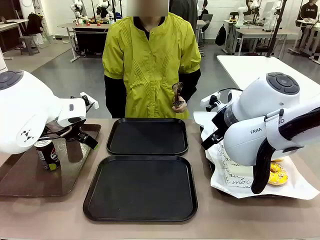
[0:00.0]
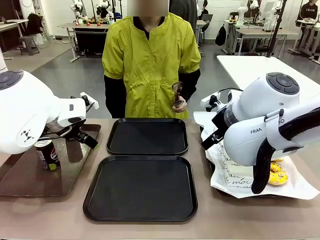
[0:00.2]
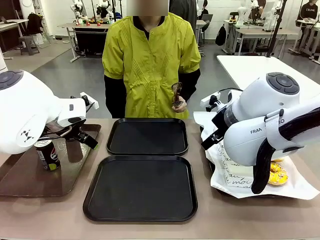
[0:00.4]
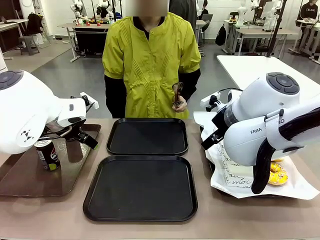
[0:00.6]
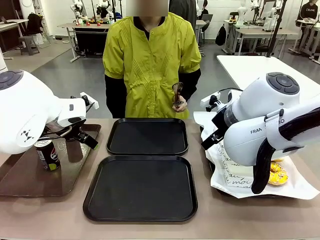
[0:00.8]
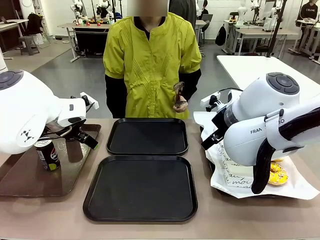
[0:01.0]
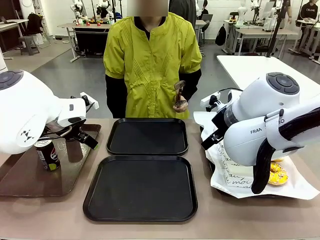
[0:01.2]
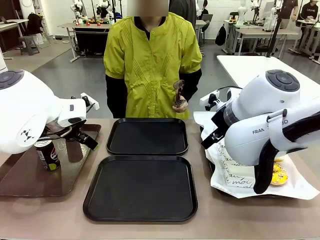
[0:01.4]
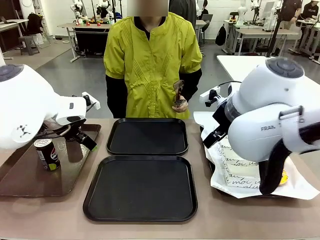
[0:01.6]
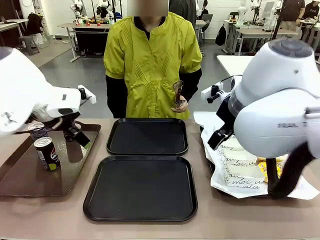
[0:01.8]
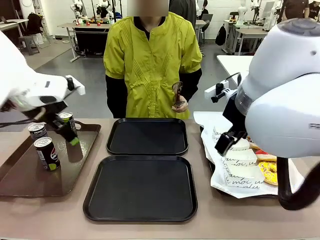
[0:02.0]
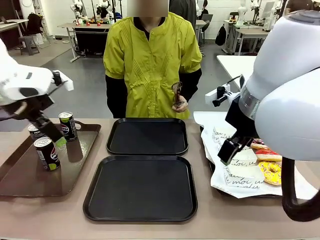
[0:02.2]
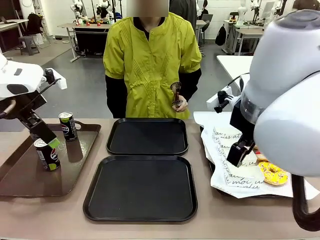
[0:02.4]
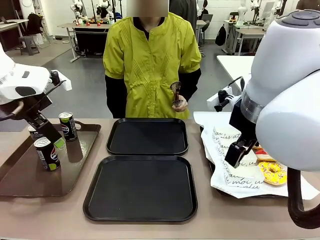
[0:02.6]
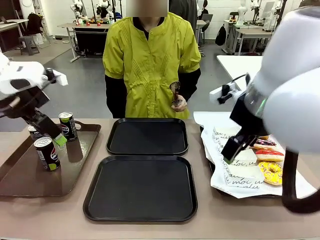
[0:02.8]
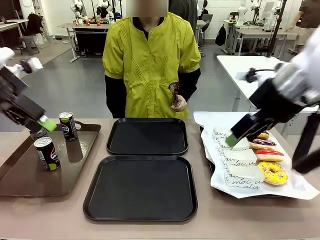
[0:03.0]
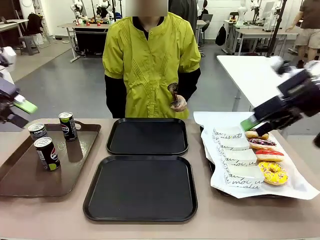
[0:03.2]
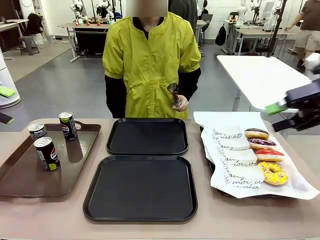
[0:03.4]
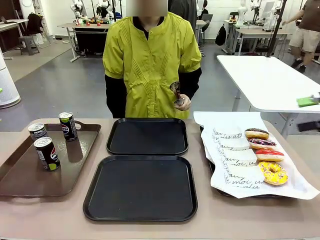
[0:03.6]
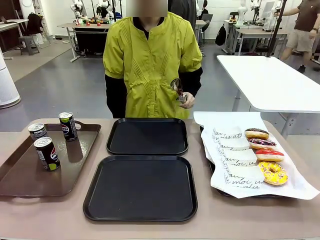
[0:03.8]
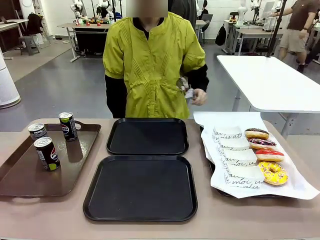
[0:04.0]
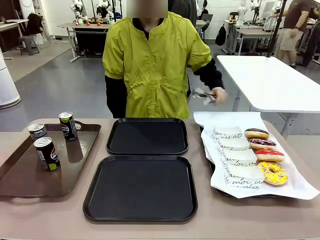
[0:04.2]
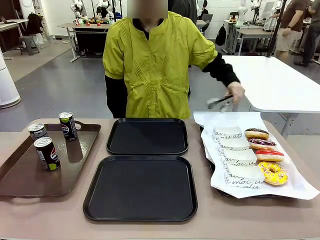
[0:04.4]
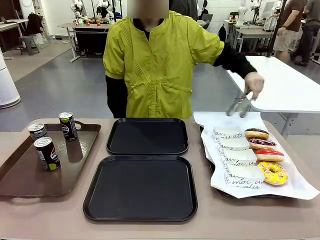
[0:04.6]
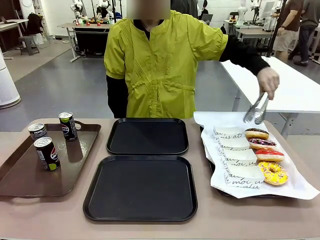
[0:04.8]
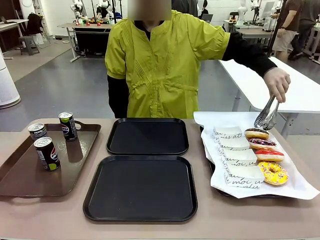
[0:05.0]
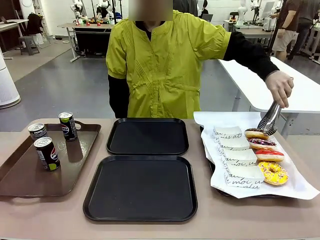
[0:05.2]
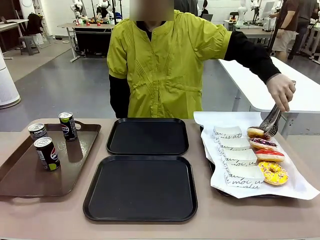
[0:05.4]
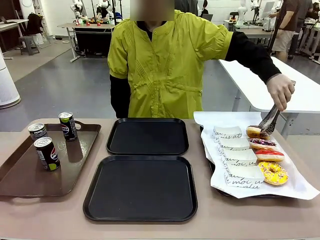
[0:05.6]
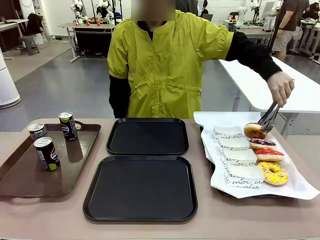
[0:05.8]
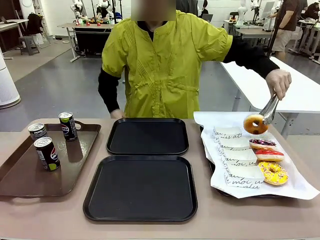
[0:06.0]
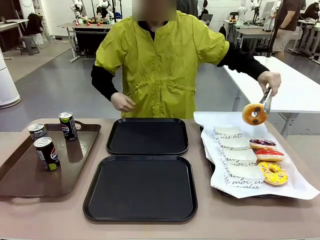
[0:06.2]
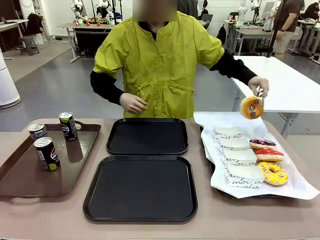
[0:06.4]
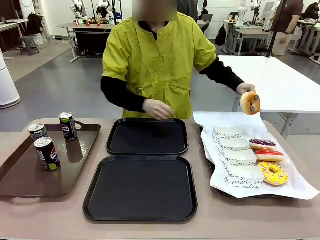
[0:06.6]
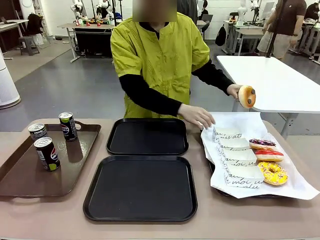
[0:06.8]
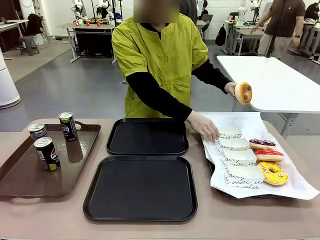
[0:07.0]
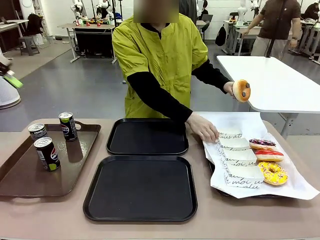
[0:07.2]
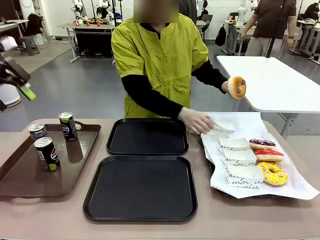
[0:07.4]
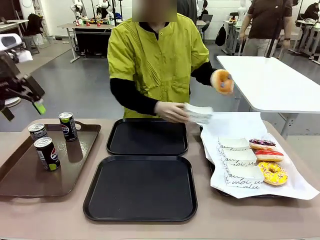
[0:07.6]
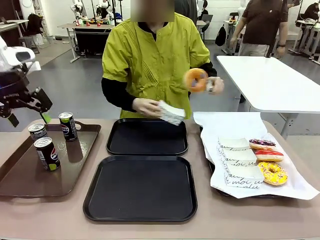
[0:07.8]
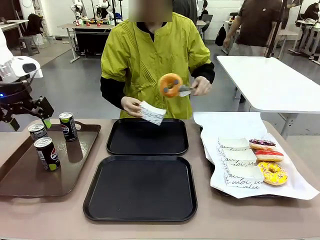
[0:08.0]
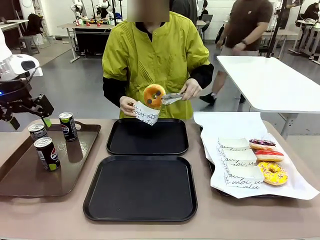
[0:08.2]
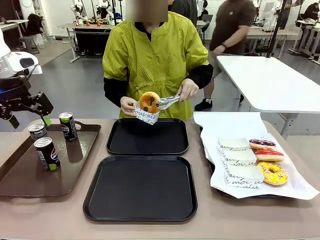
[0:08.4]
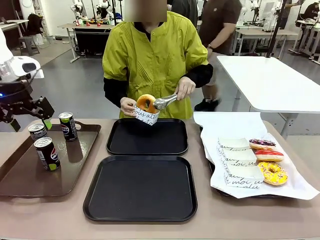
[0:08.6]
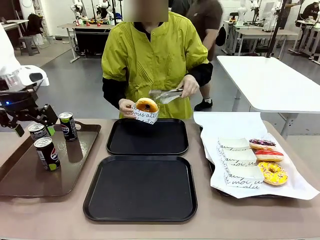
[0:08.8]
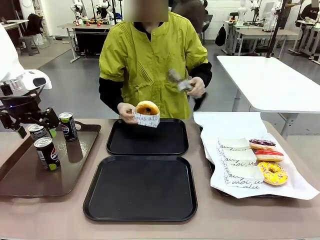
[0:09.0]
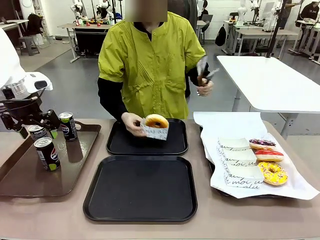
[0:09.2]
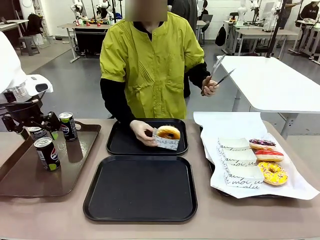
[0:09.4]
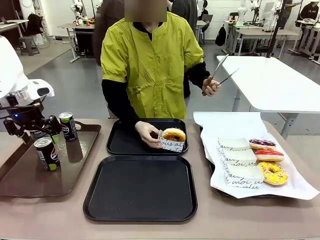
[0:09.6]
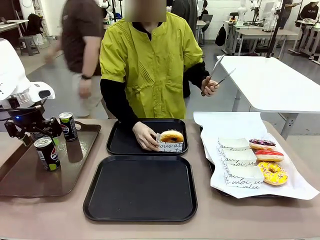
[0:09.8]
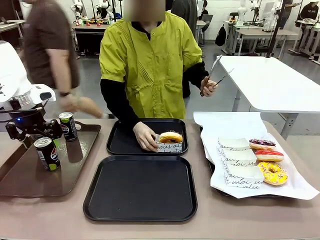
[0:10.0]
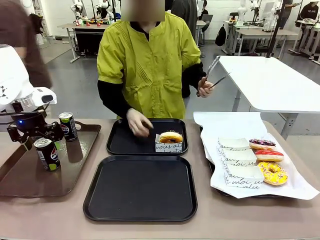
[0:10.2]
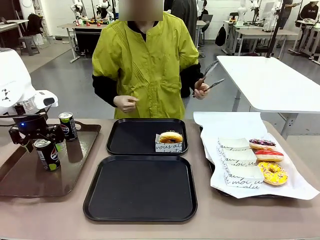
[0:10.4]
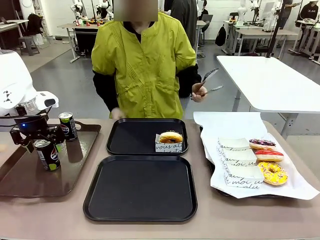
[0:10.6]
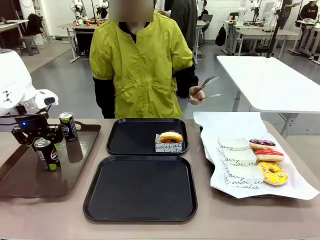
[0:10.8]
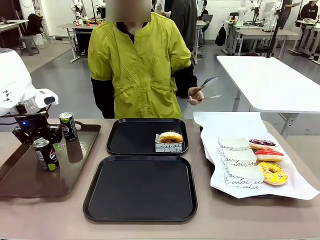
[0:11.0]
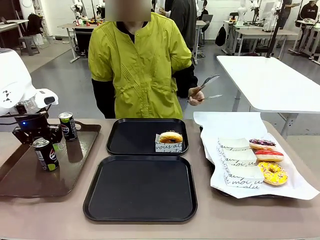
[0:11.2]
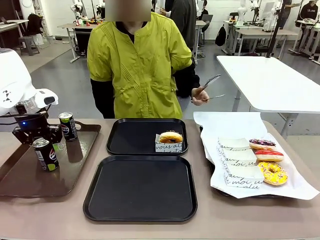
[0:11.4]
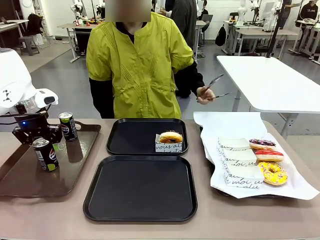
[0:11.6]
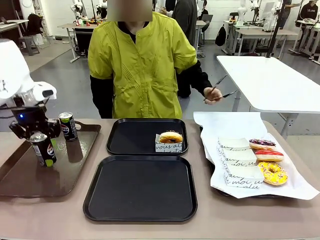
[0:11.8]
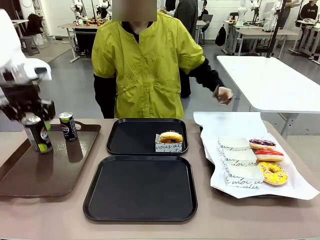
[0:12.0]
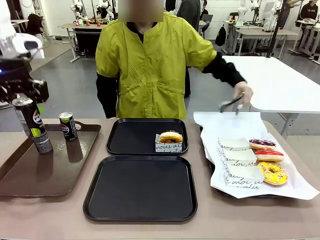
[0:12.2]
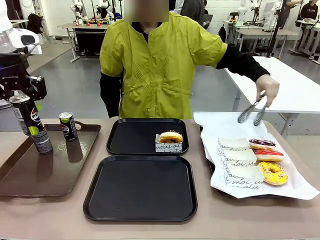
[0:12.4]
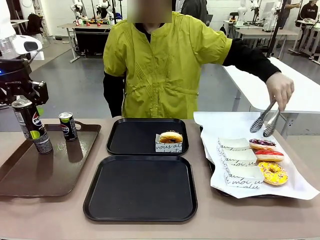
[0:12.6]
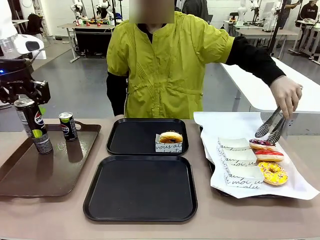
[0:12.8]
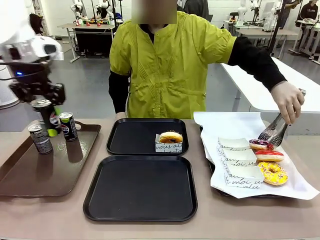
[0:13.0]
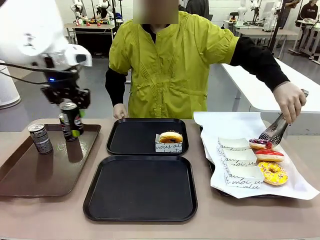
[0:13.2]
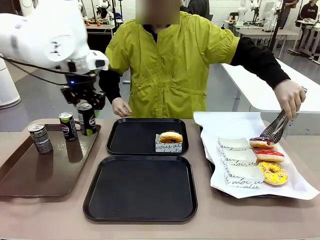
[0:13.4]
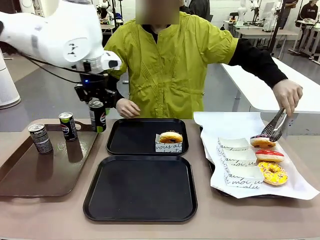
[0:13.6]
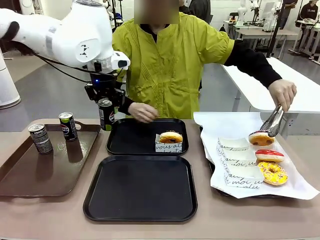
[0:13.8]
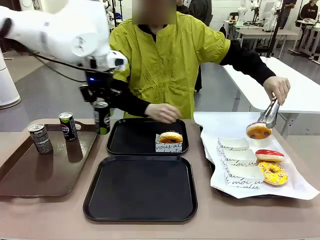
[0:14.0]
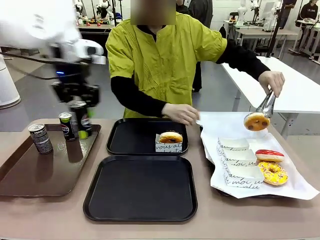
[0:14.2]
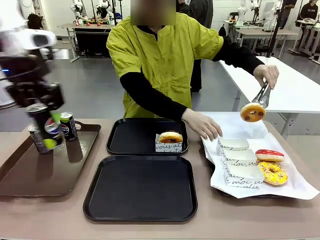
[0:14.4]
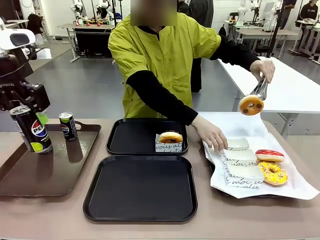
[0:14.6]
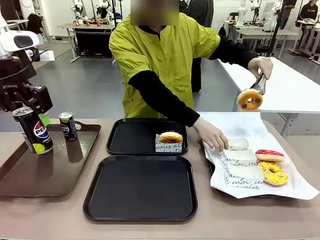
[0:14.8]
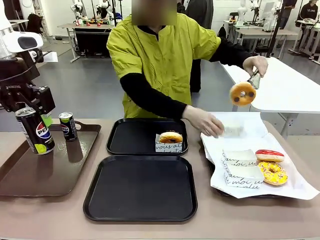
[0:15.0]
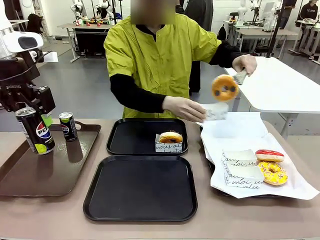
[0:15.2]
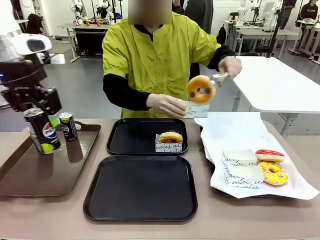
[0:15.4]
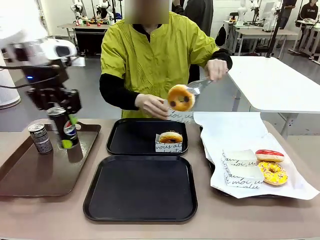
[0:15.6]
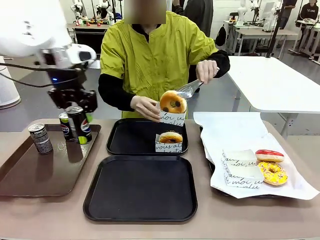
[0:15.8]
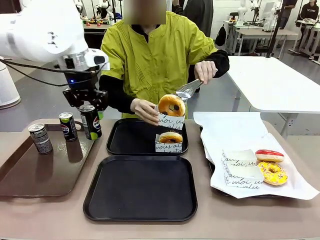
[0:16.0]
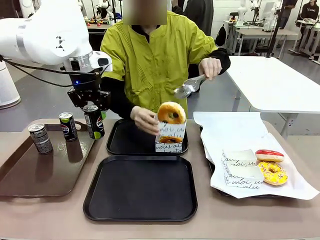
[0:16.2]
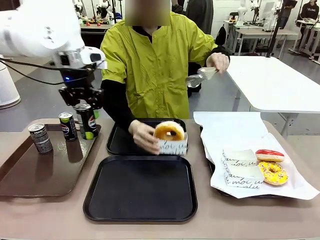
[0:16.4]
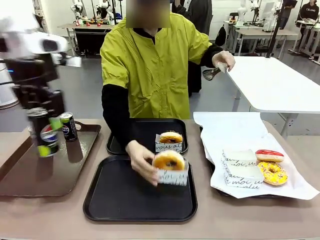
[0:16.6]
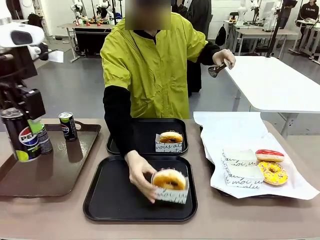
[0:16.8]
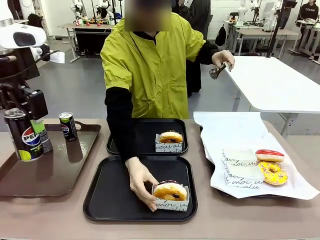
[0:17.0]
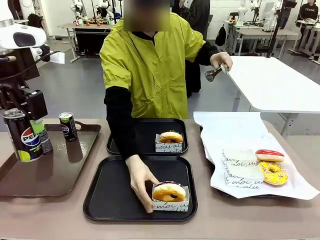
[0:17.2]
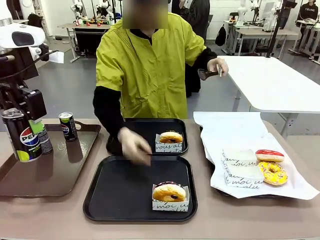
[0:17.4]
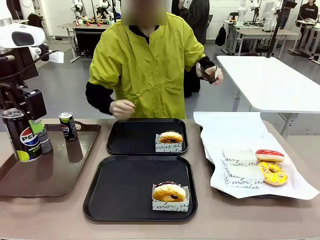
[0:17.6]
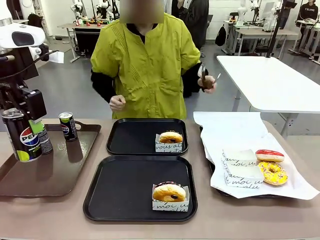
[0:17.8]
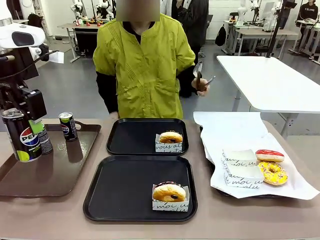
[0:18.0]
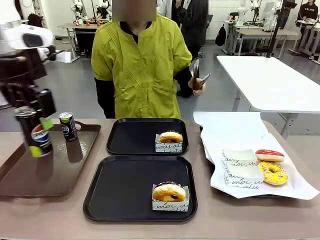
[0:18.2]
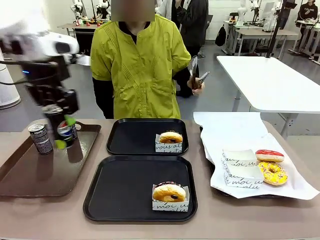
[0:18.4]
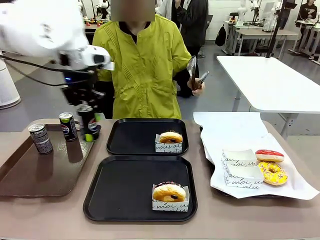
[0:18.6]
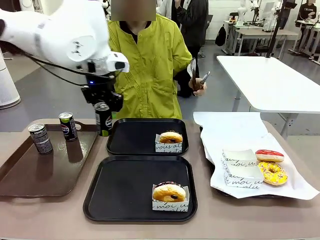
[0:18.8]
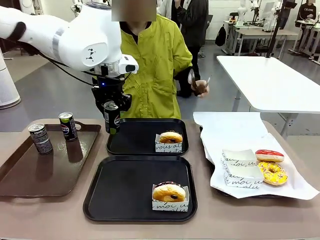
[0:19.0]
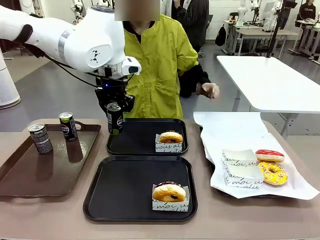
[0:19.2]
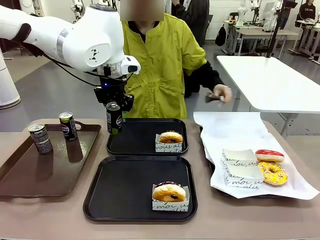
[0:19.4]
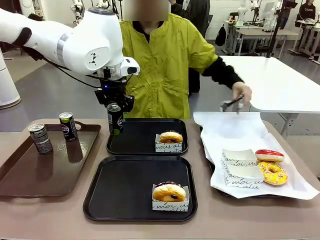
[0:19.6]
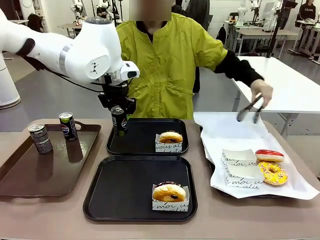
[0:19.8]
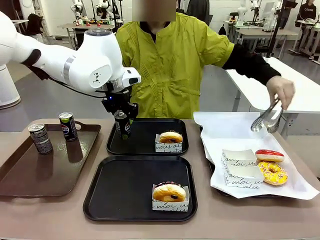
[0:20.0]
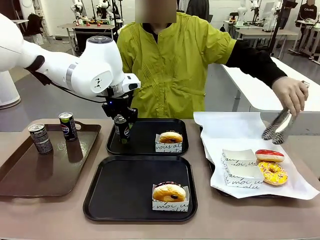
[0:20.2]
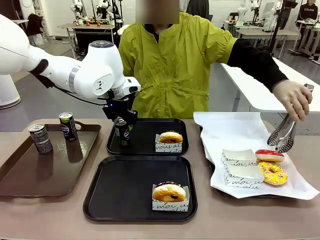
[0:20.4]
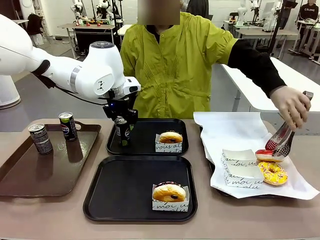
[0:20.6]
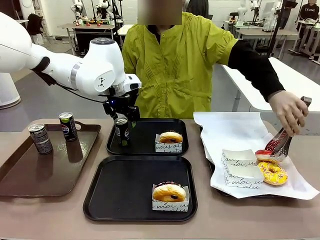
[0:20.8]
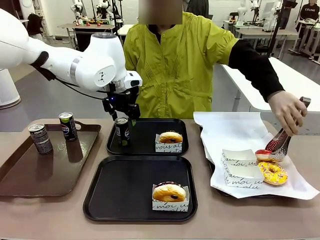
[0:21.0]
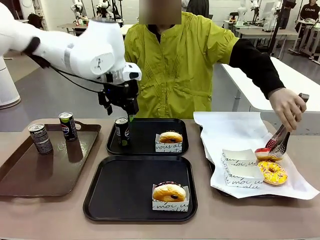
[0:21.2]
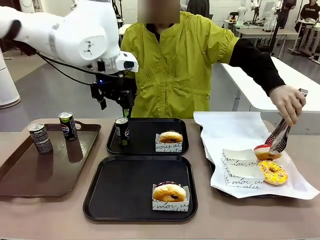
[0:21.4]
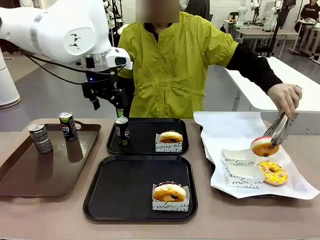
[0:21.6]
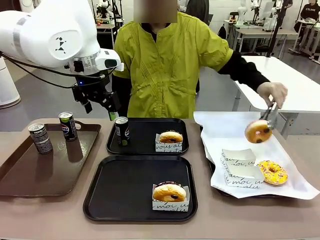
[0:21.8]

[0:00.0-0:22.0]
Task: Set up donuts and drinks on trays.
Robot: Pick up one Pepsi coke and place it on the Flat Tray.
Person: Pick up one donut with tongs, place it in the donut tray, and then place the donut tray on the flat tray.
